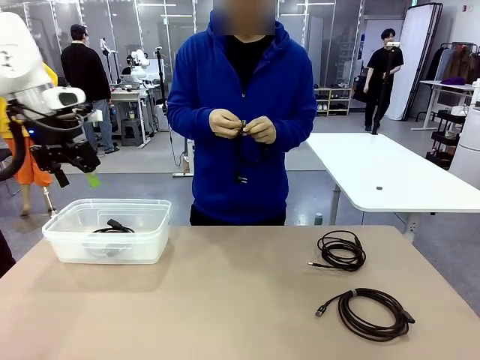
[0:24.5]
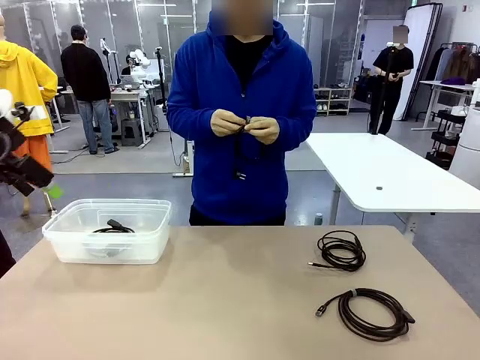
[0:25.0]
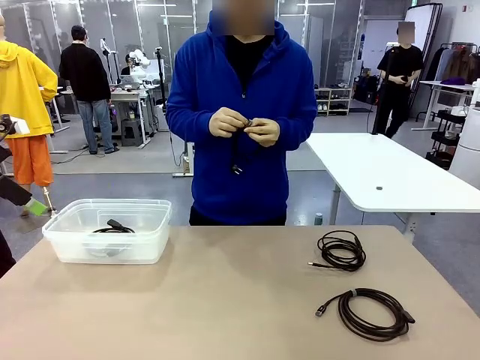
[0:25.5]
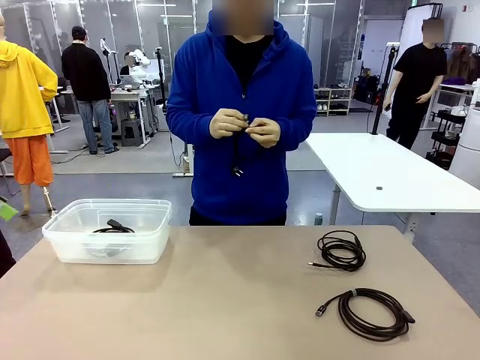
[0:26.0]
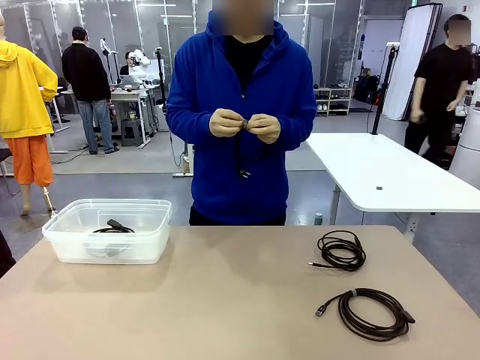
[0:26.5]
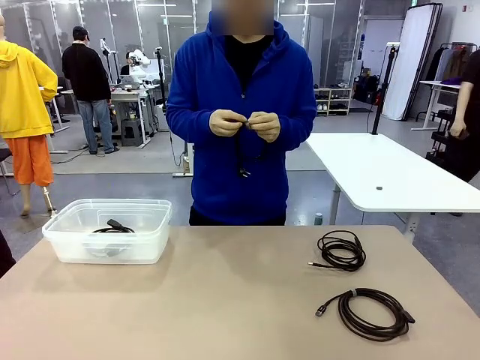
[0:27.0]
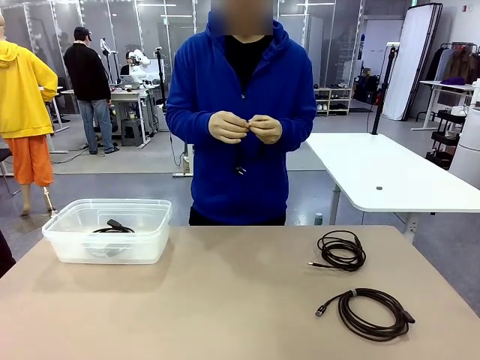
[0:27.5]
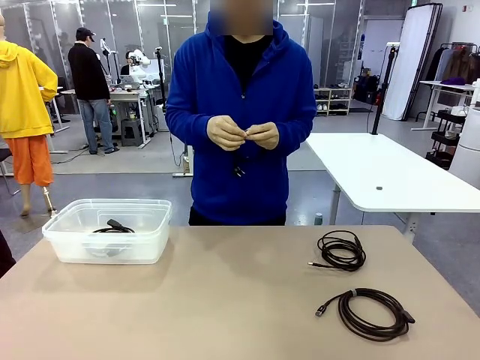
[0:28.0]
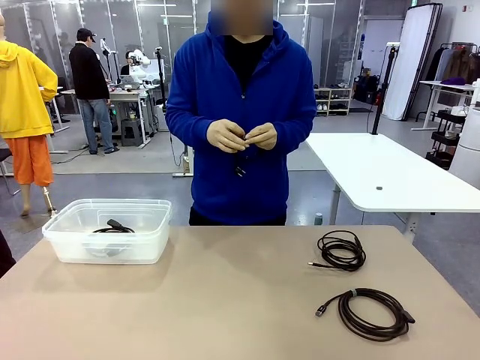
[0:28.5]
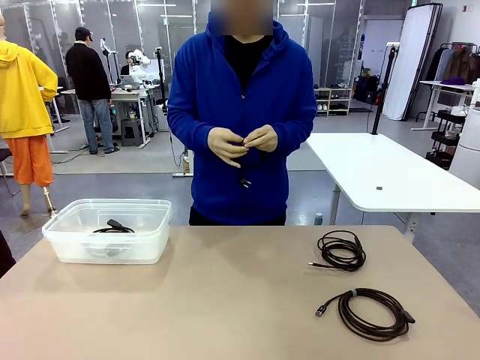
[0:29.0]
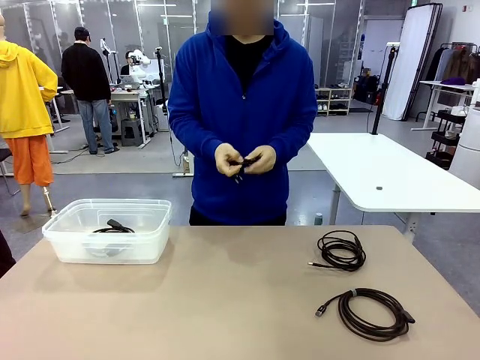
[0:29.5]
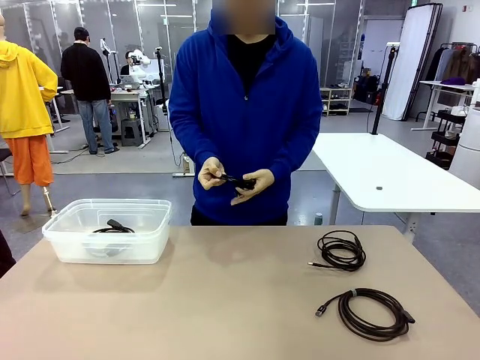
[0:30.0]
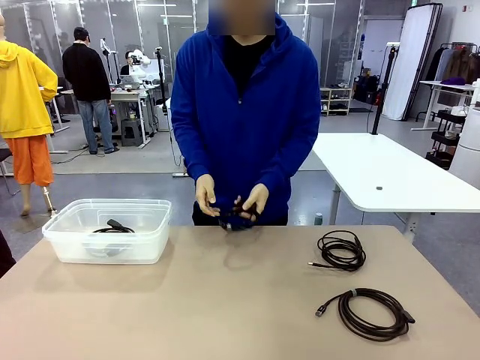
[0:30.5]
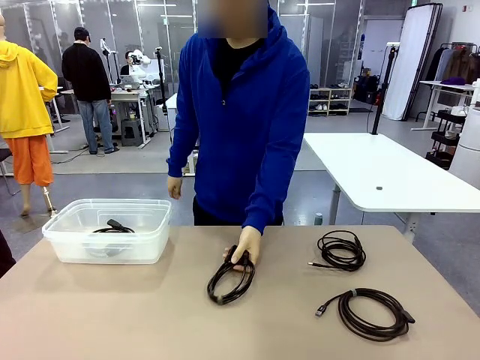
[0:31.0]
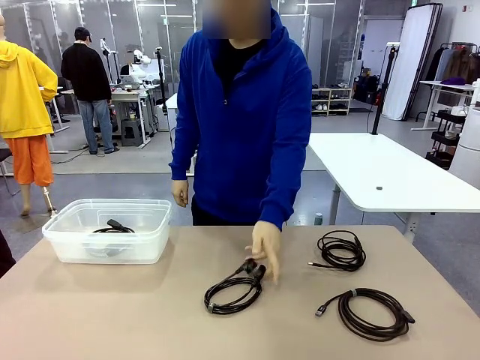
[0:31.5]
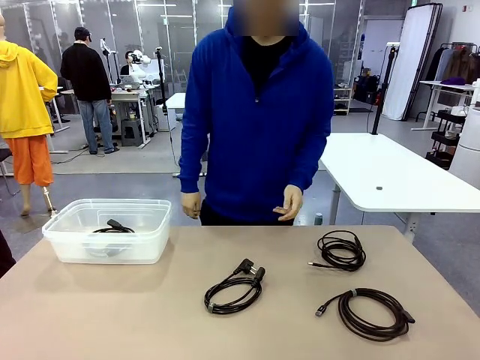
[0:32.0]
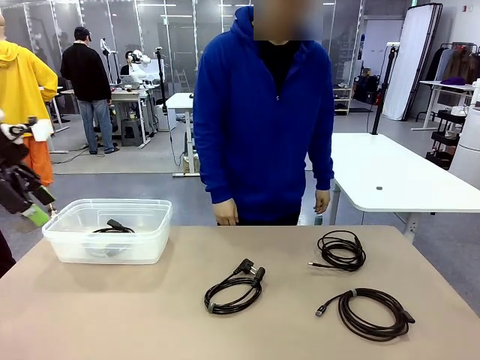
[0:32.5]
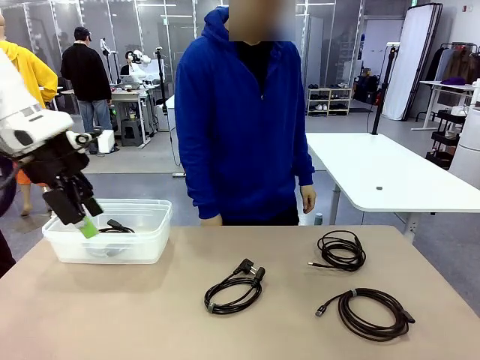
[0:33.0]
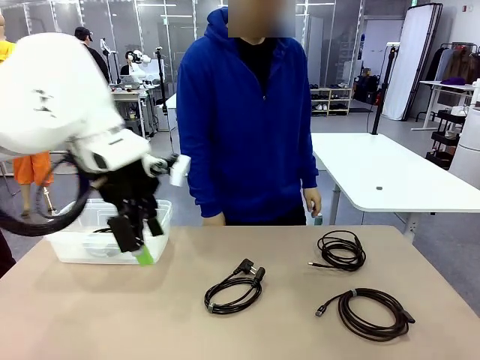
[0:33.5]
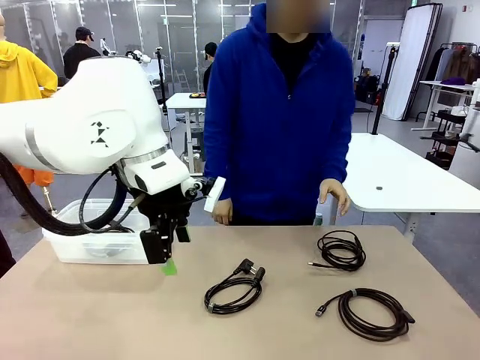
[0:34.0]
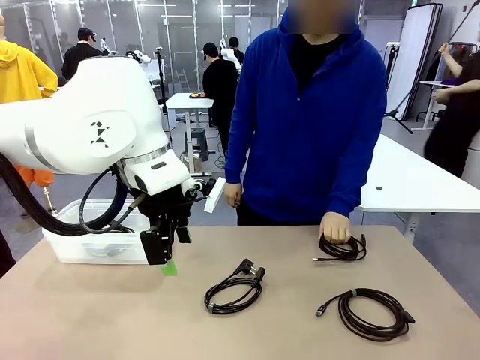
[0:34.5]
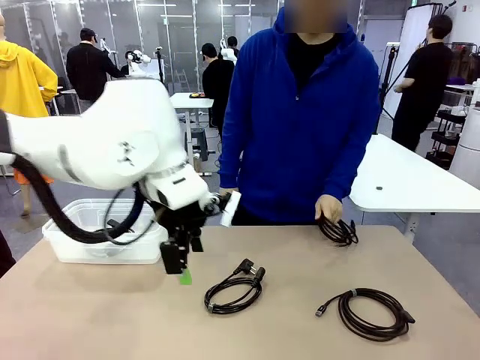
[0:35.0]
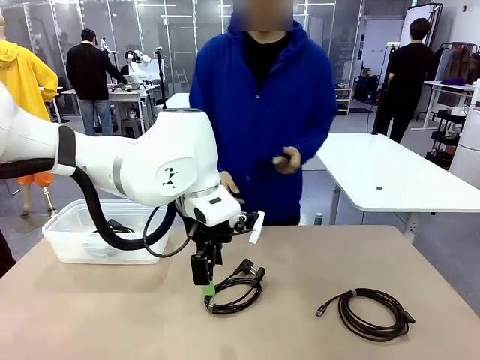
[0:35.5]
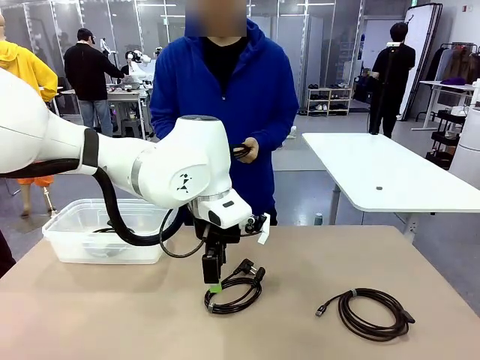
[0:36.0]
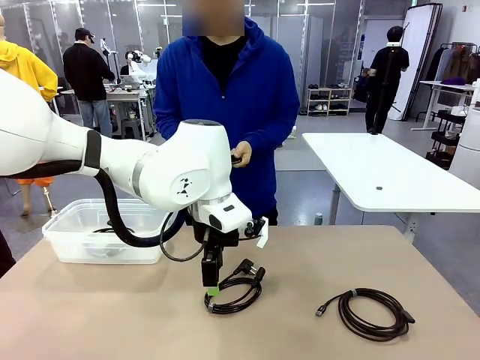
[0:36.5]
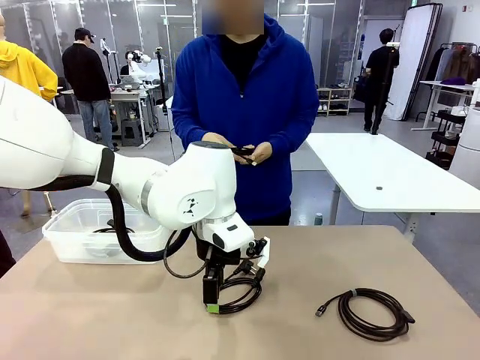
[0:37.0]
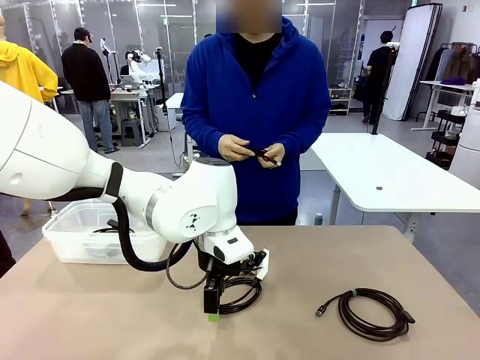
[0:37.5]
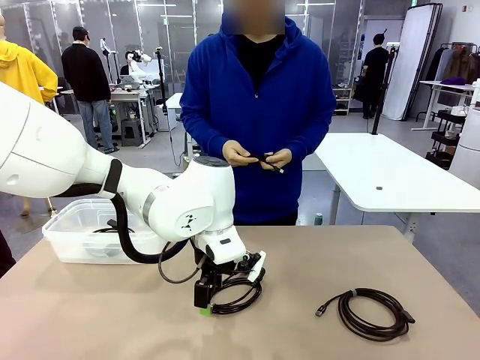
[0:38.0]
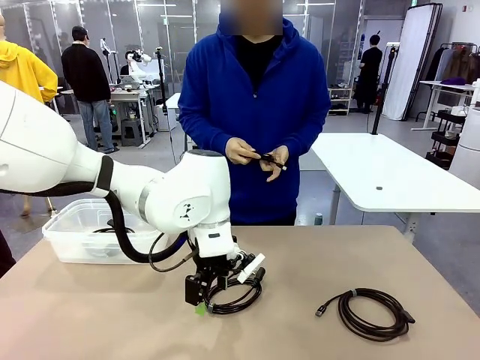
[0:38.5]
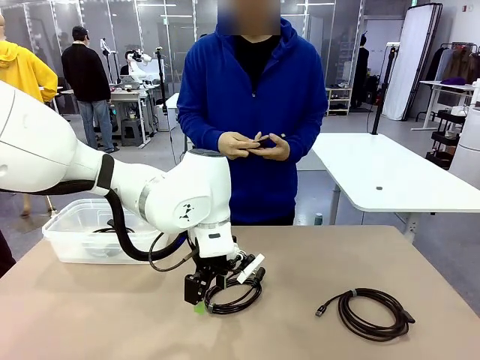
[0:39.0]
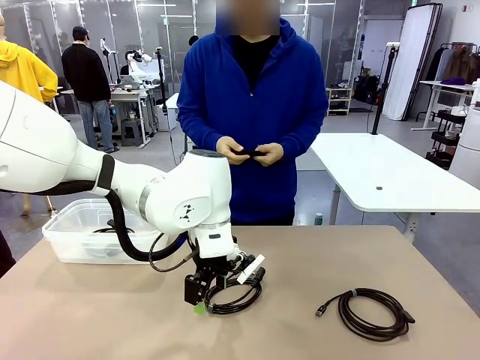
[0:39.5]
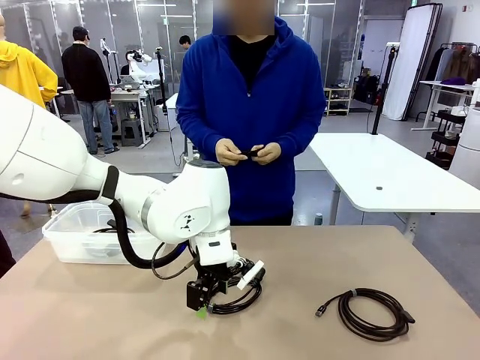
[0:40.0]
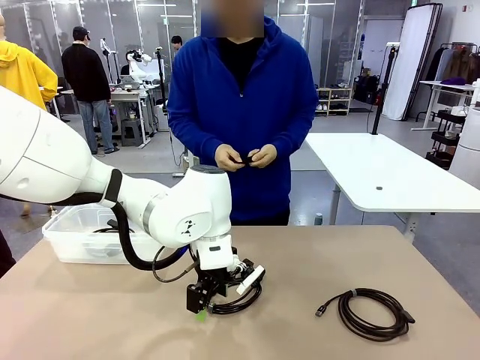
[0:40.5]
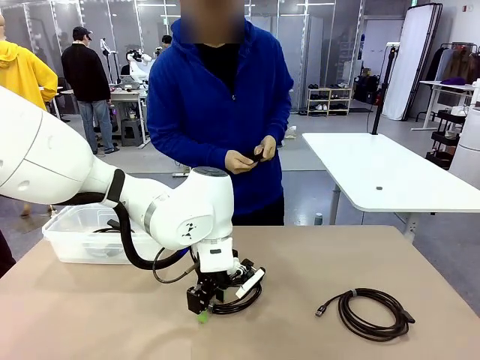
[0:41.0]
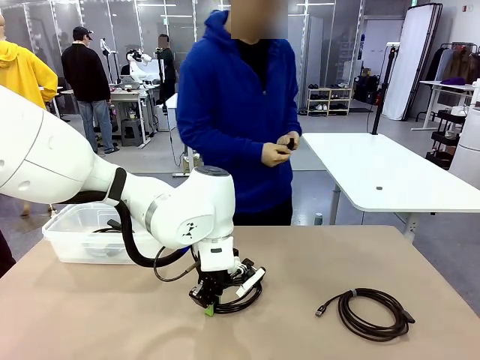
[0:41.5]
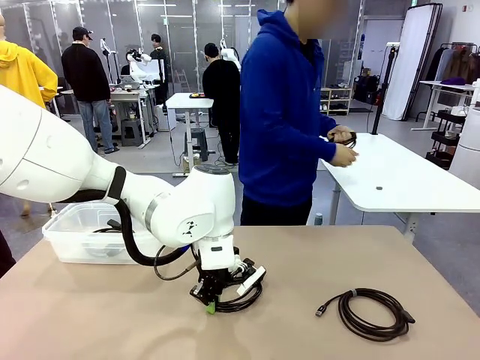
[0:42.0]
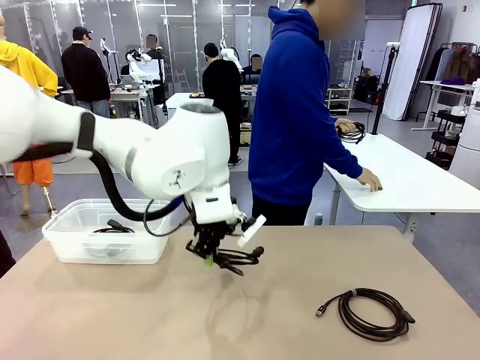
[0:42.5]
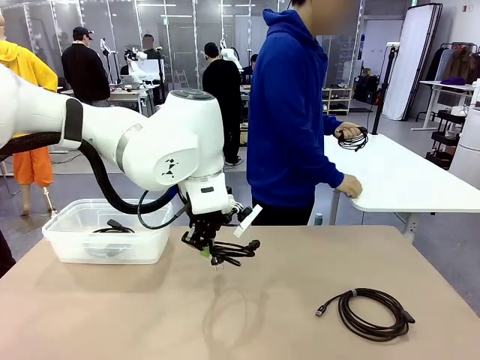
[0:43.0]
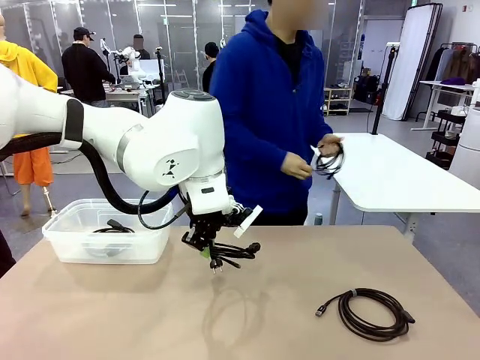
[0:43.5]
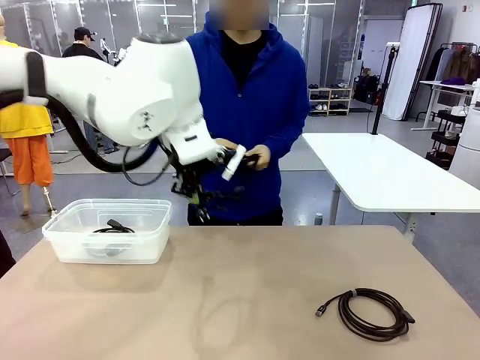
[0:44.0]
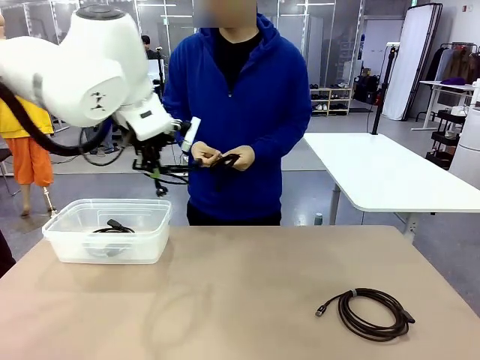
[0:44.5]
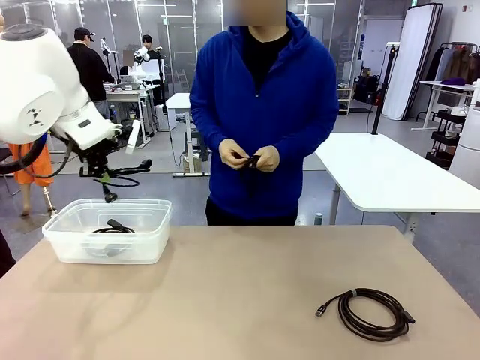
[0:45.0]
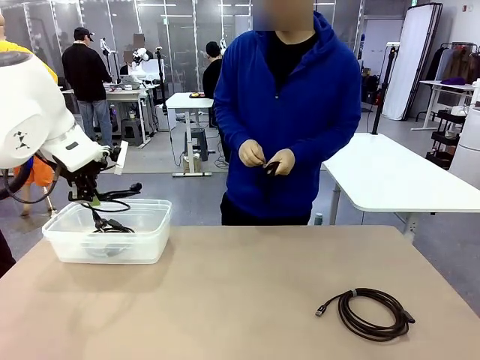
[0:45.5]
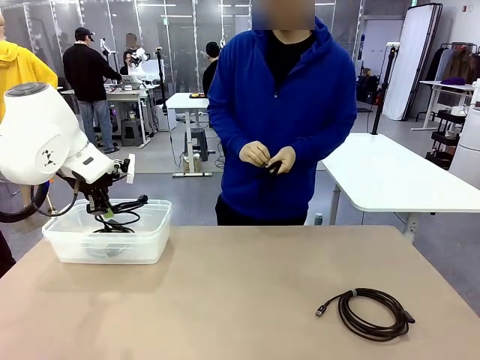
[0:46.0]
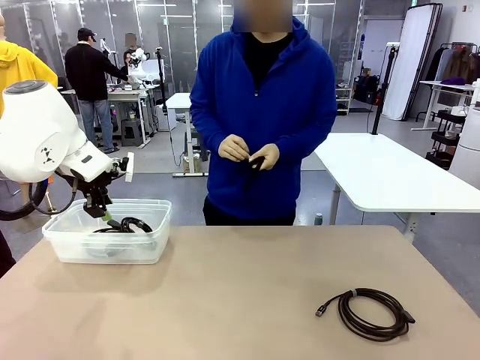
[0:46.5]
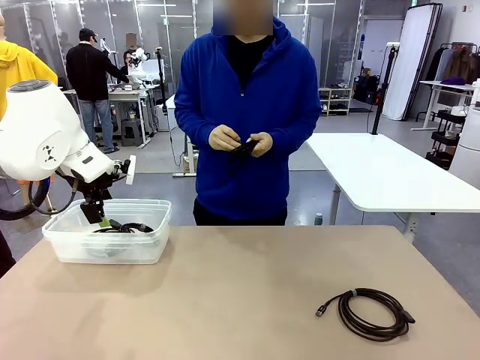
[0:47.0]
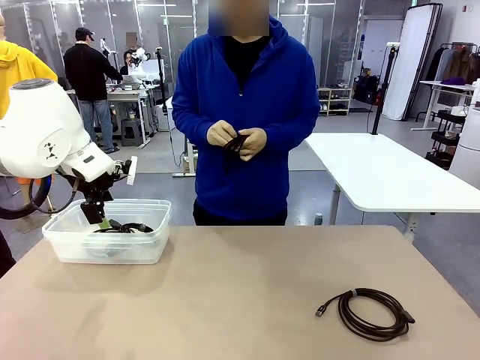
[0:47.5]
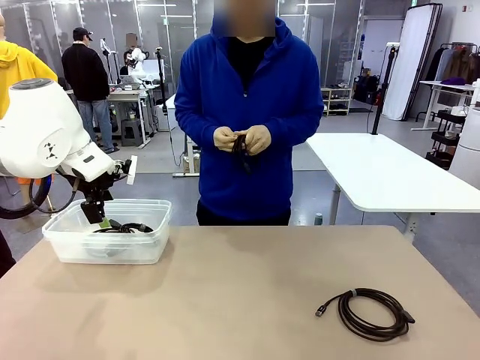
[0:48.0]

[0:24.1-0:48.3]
Task: Organize and store the cables.
Robot: Place the Power Cable into the Organizing box.
